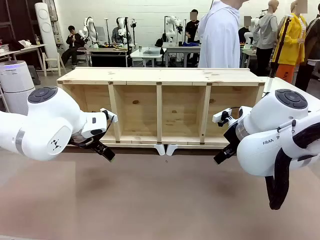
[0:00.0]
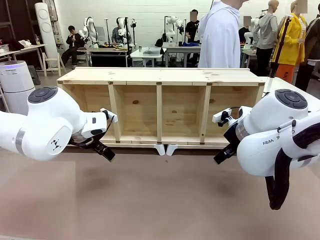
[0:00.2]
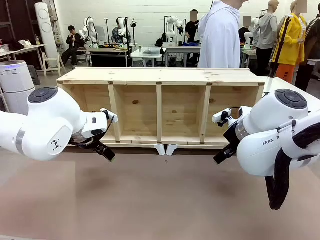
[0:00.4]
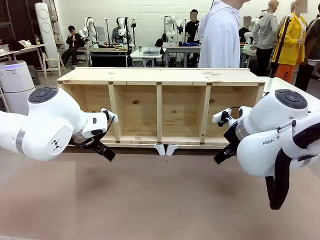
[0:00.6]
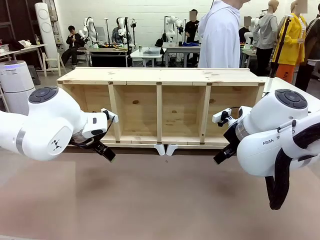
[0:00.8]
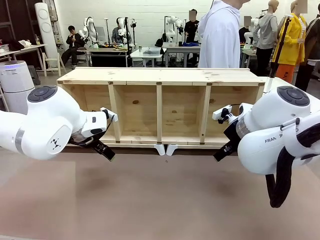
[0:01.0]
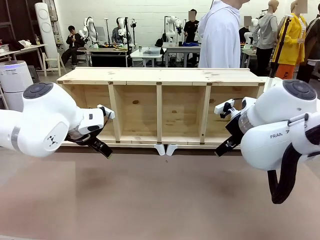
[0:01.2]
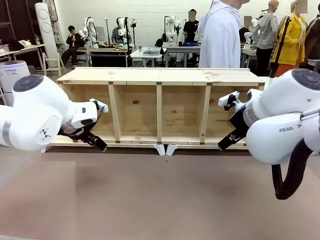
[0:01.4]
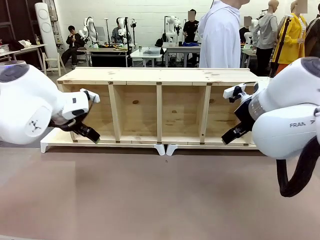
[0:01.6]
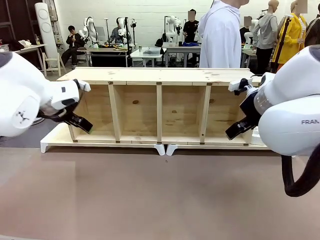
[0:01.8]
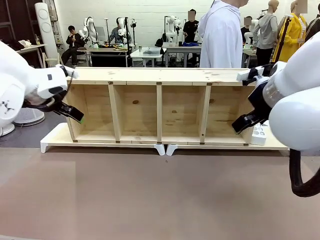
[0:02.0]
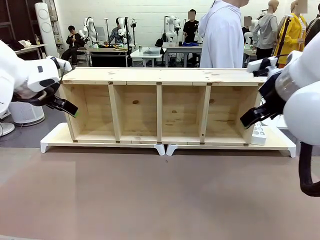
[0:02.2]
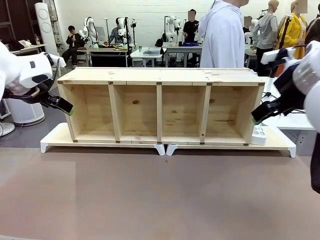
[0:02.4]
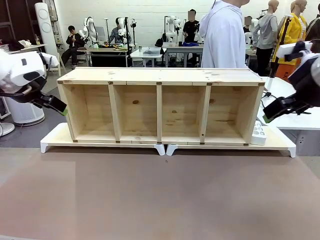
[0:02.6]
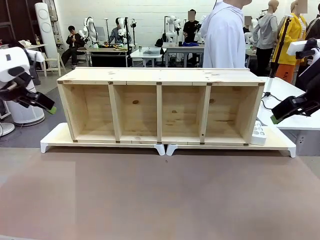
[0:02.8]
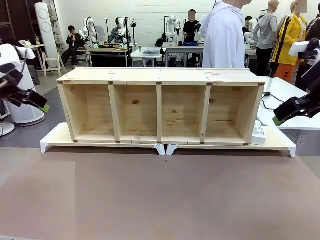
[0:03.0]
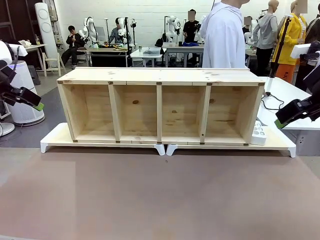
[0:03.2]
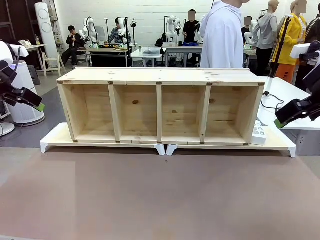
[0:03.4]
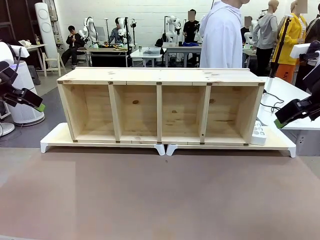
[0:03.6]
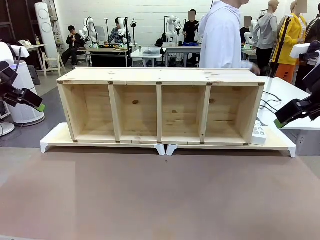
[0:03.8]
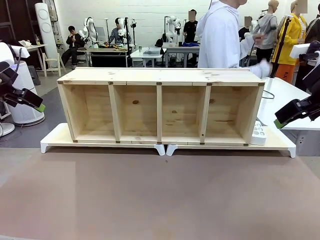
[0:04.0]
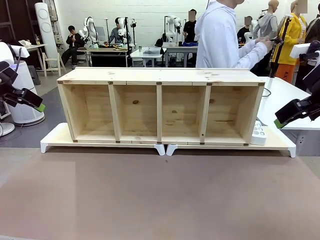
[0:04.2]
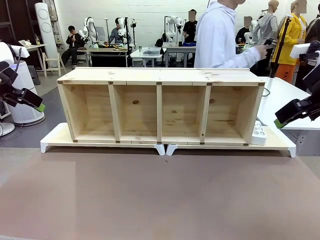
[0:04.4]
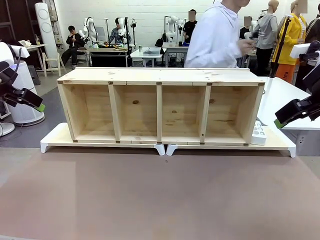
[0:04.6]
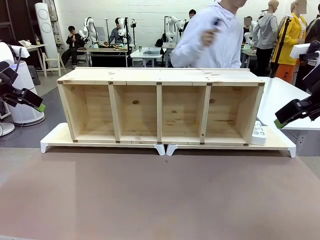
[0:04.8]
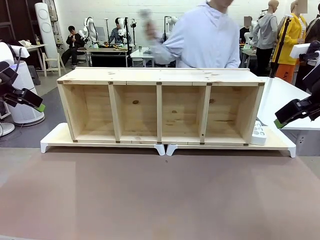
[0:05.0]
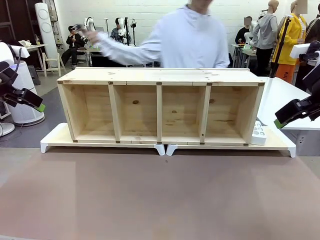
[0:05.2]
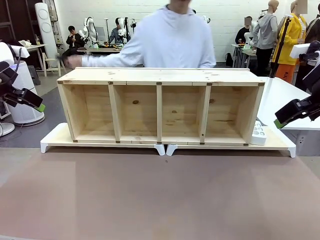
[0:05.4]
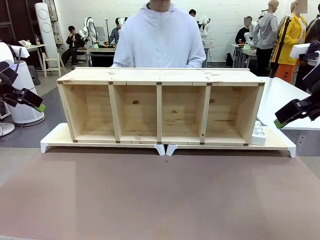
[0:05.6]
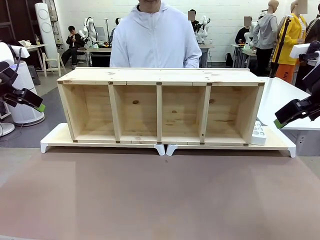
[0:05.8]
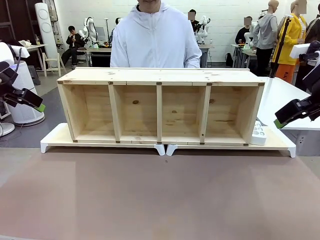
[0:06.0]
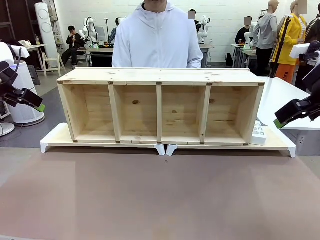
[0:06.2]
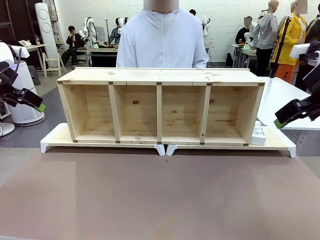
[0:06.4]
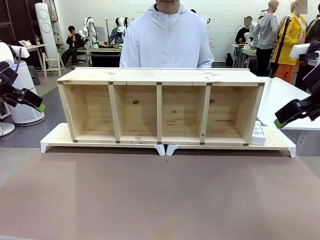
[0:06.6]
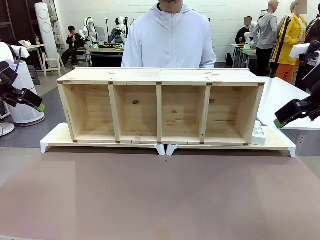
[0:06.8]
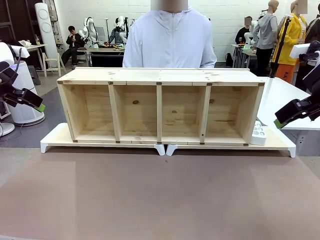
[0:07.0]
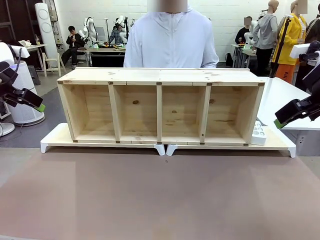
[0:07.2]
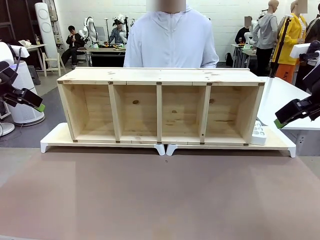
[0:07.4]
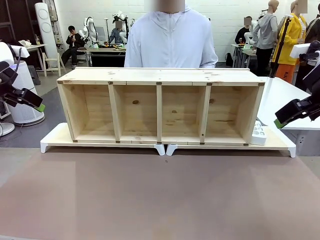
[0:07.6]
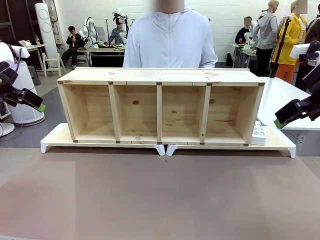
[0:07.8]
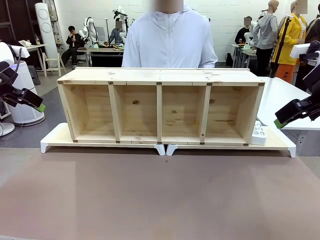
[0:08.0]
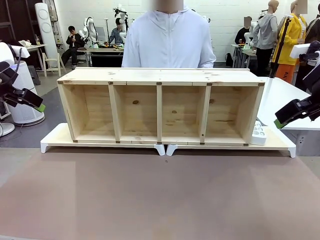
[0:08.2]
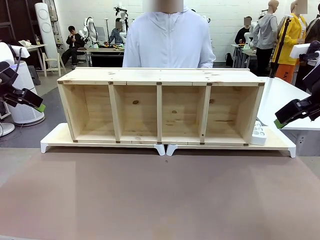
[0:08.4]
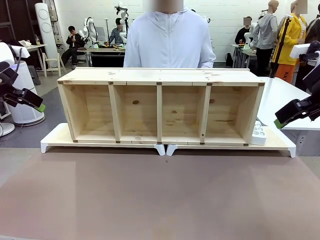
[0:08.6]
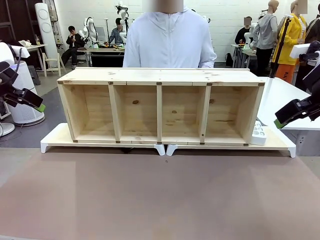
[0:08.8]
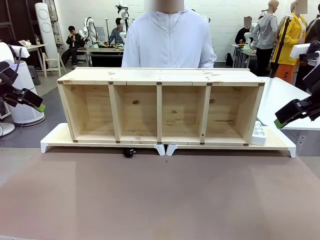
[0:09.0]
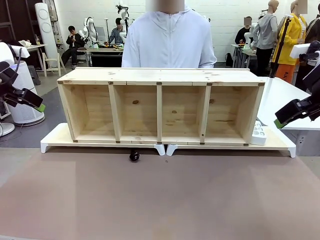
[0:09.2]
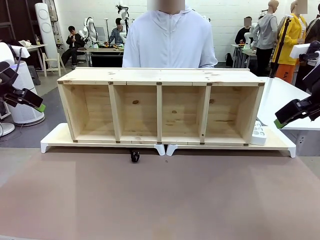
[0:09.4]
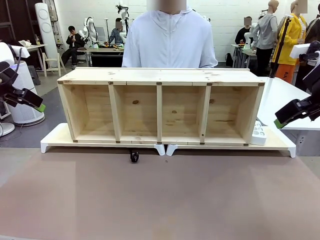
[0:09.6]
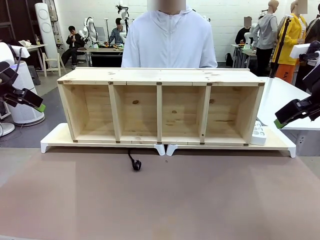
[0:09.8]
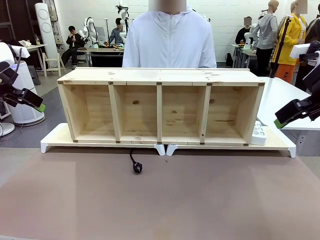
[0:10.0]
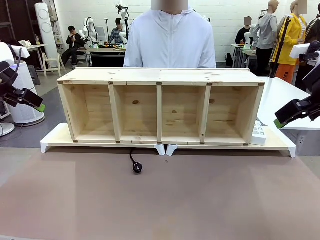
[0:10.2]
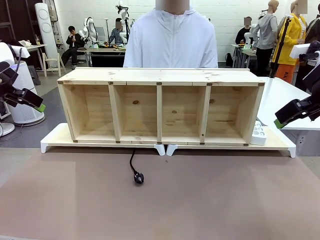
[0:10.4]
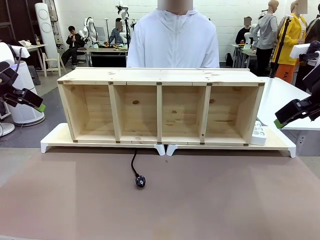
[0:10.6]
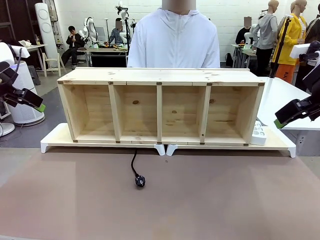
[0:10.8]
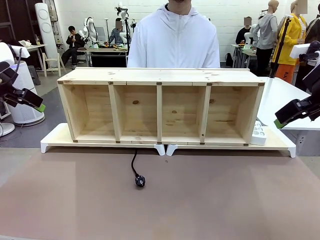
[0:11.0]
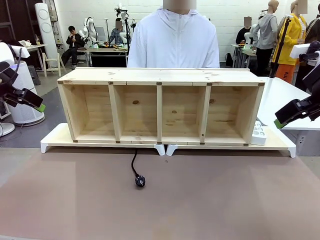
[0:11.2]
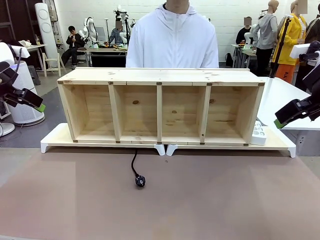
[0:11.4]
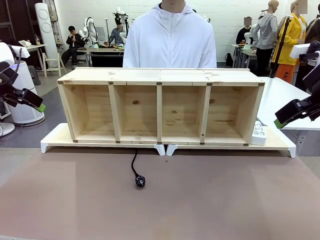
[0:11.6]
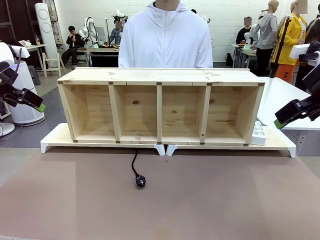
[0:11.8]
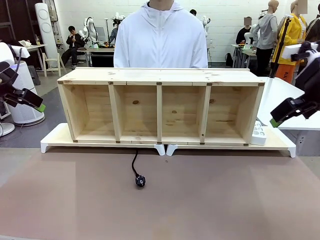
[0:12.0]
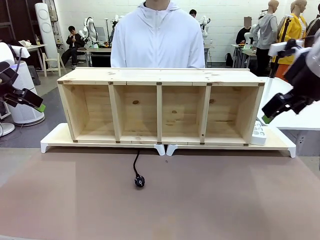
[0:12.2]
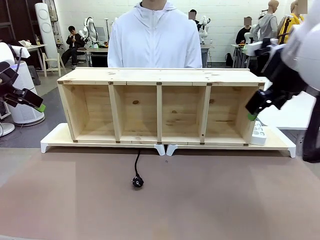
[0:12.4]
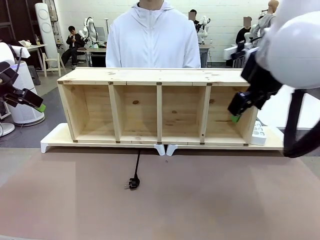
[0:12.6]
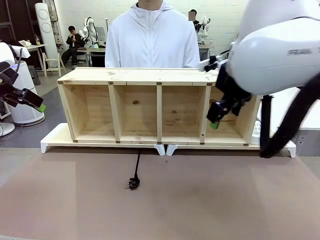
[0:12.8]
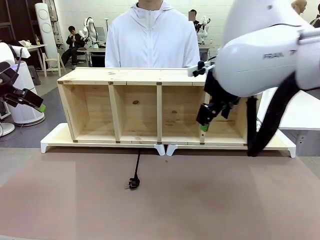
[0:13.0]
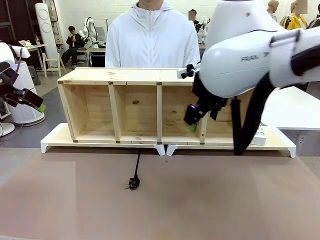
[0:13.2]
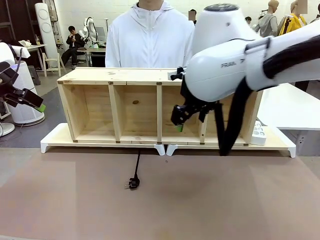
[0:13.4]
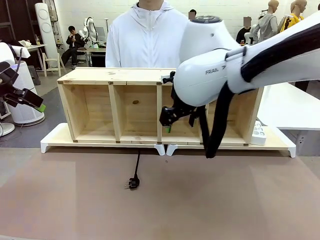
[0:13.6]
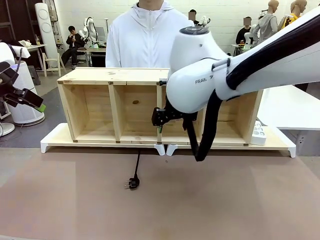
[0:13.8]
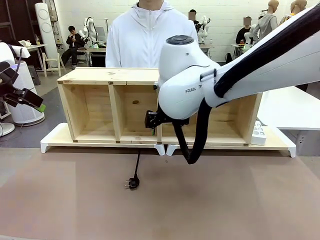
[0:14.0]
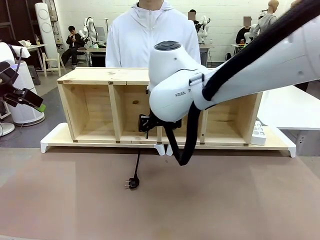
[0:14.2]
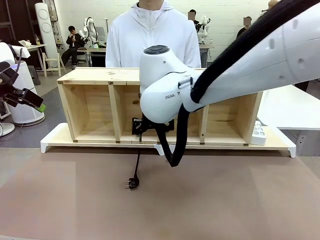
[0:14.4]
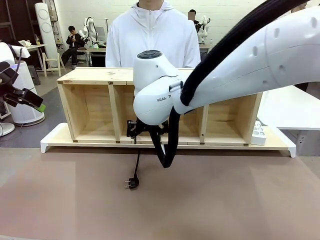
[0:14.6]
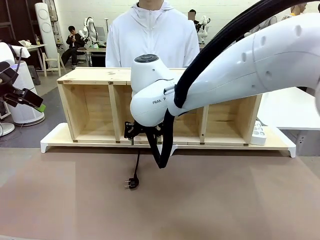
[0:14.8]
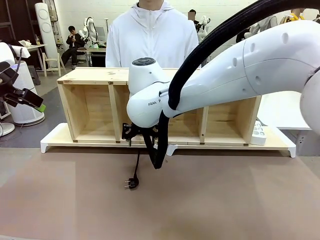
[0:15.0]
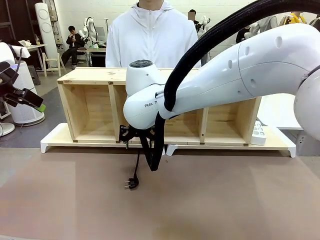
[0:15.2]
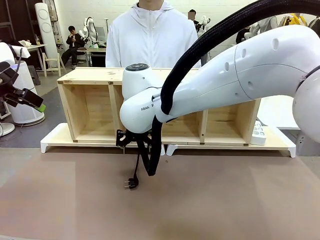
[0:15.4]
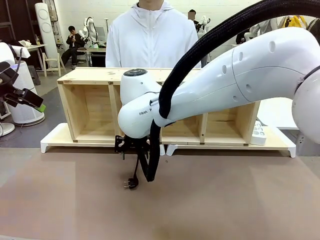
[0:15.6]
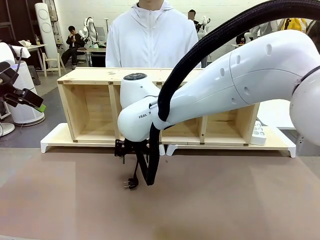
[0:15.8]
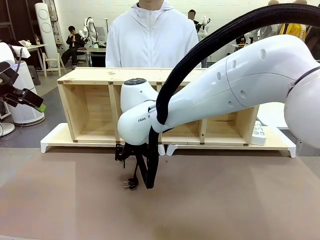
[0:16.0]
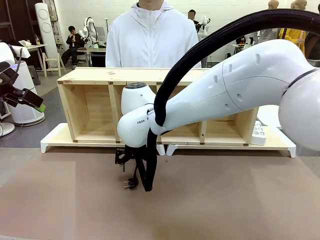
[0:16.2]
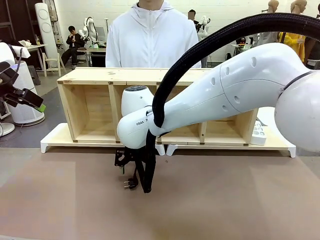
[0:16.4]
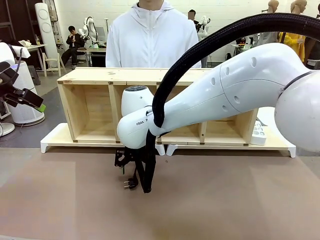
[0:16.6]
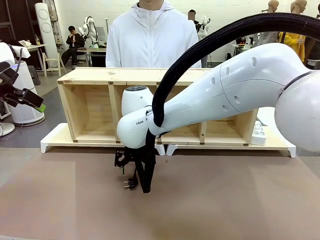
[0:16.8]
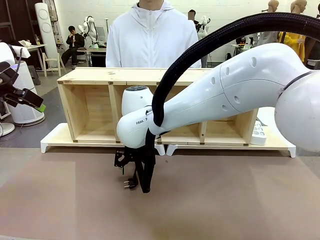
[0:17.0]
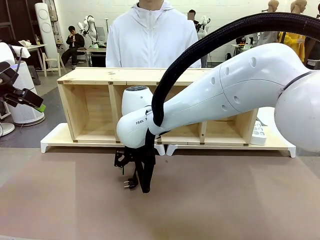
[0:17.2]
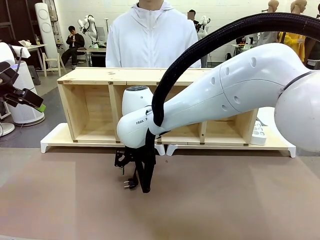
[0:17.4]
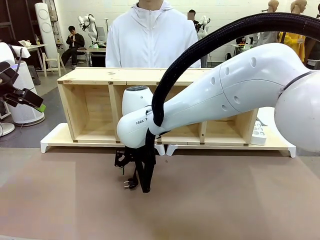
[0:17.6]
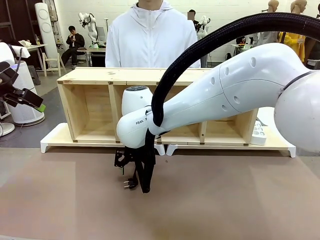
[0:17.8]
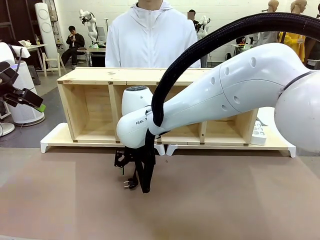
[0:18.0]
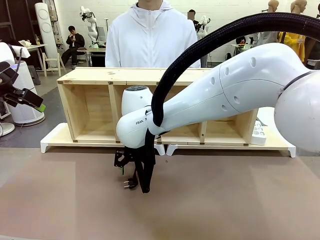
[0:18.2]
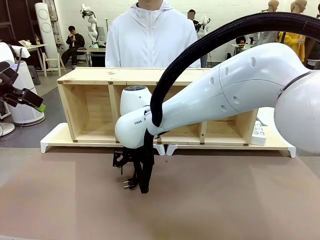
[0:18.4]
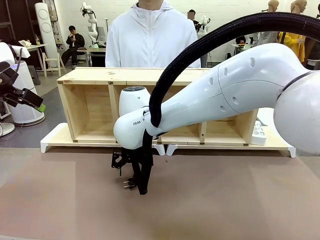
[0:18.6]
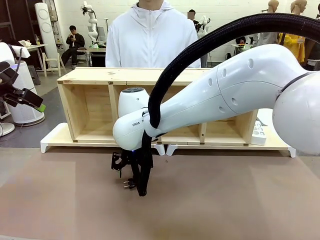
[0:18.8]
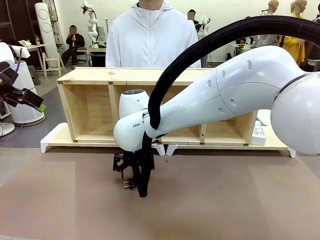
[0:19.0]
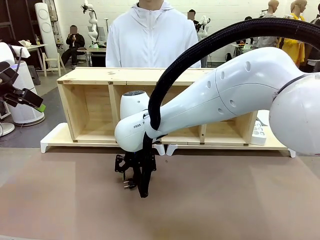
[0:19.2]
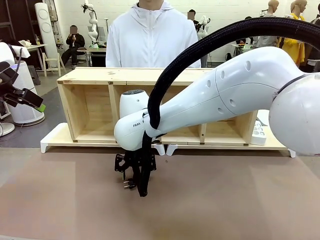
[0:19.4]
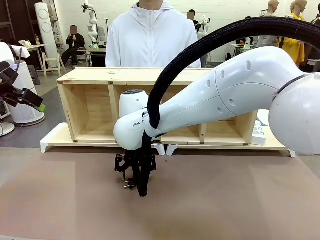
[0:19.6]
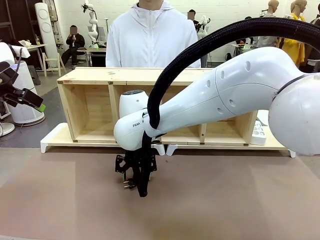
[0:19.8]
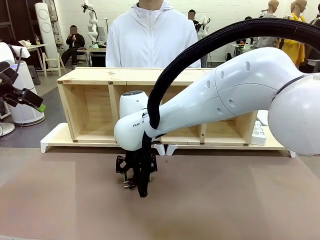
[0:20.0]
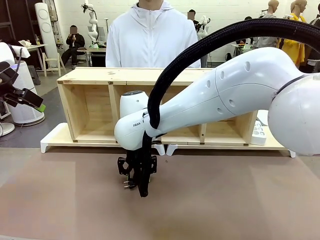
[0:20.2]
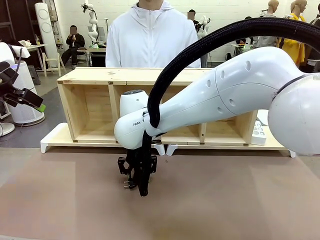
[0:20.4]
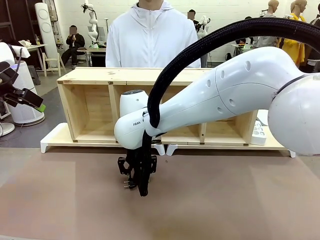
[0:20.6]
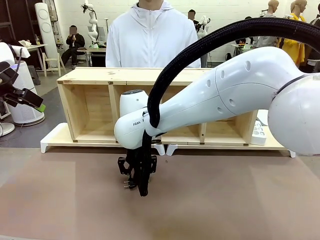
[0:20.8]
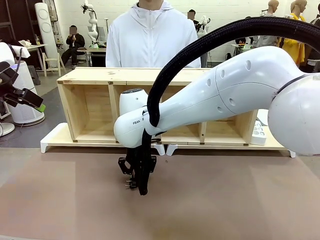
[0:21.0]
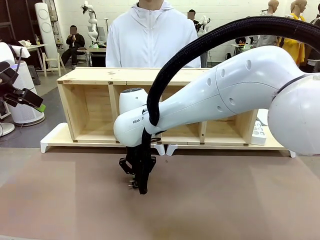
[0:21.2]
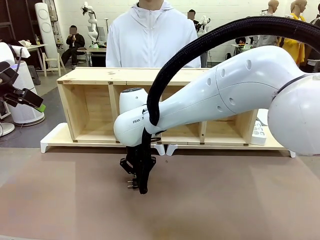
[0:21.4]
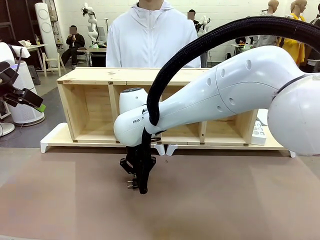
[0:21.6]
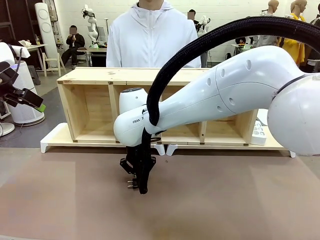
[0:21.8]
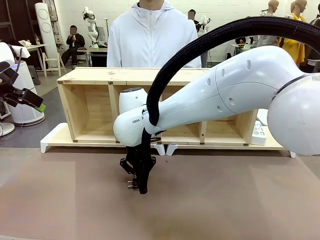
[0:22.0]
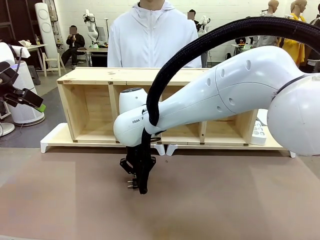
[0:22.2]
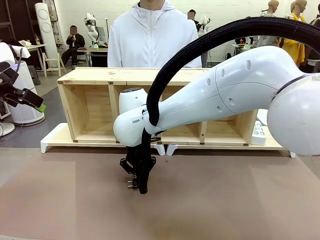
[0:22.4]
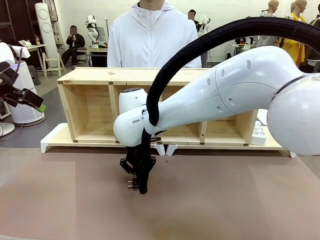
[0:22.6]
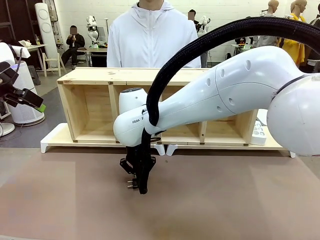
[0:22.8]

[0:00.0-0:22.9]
Task: Perform cable management.
Robot: When the cord part of the Power Cable appears at the lower middle area of the table and stops, grasp the cord part of the Power Cable.
Person: Pass the Power Cable under the Serving Table.
